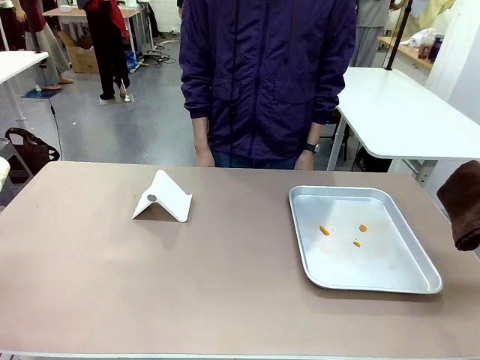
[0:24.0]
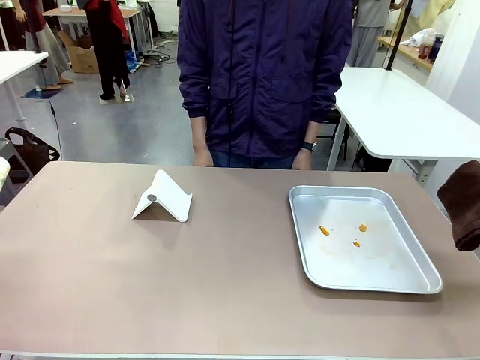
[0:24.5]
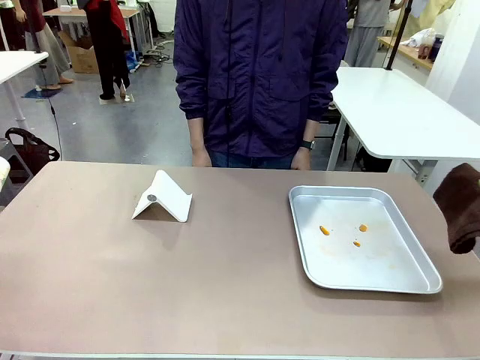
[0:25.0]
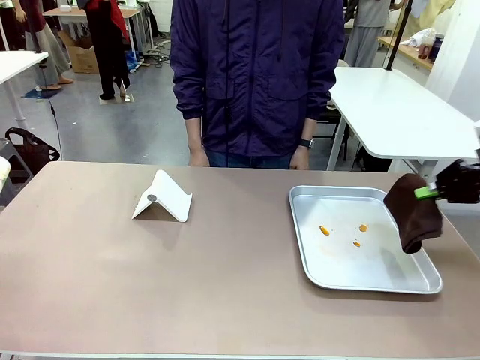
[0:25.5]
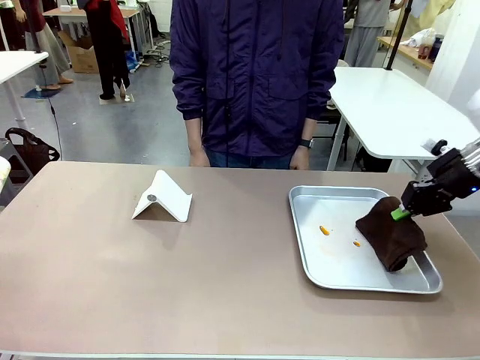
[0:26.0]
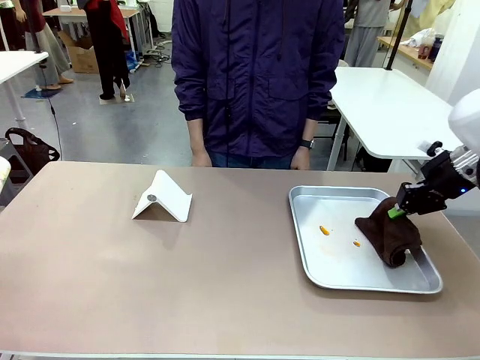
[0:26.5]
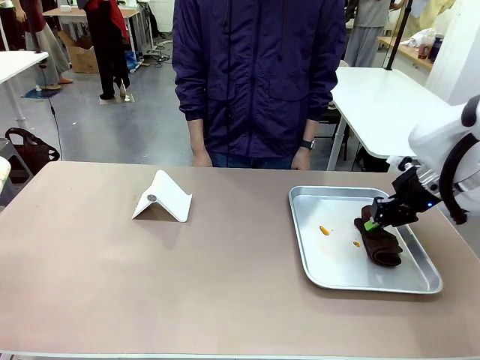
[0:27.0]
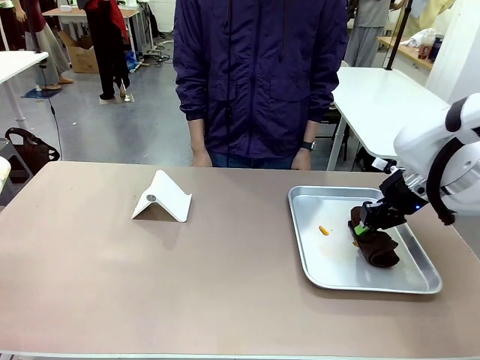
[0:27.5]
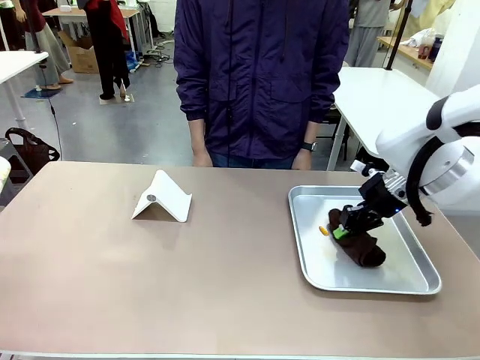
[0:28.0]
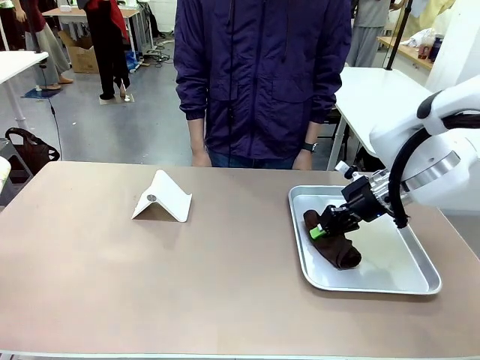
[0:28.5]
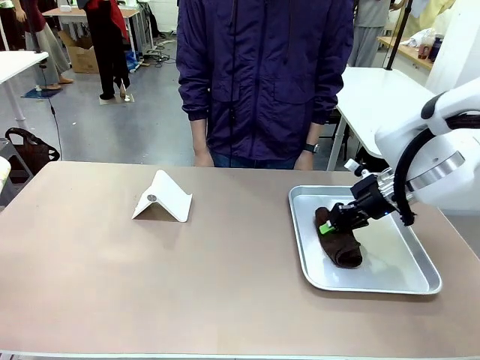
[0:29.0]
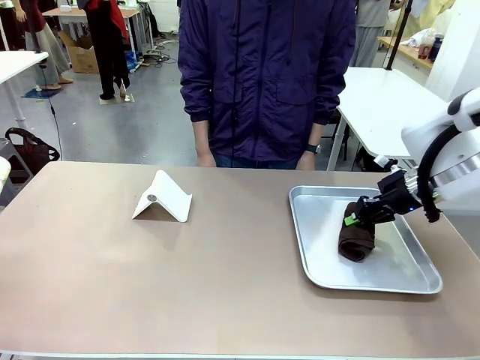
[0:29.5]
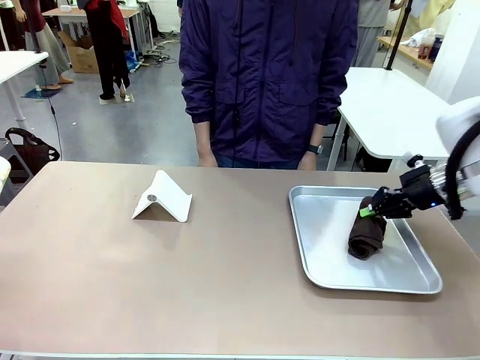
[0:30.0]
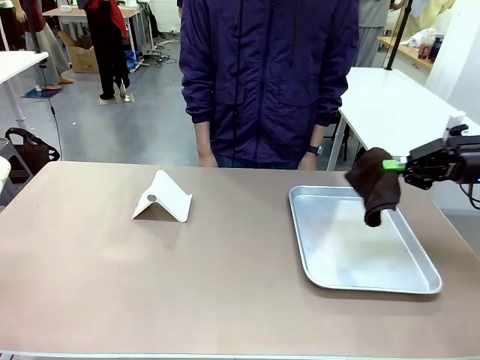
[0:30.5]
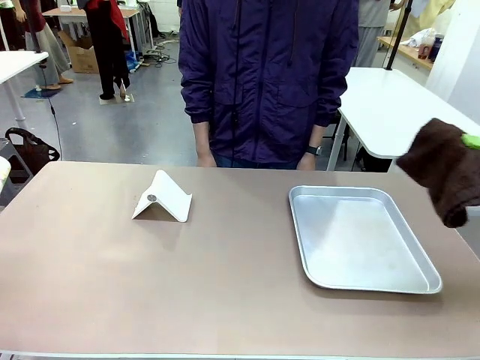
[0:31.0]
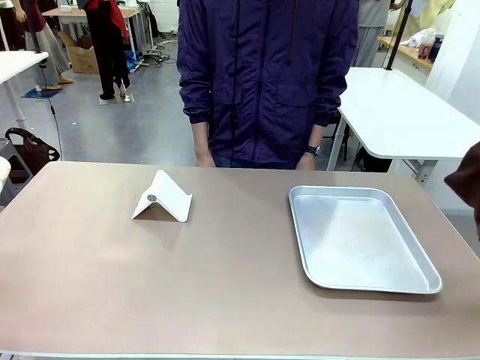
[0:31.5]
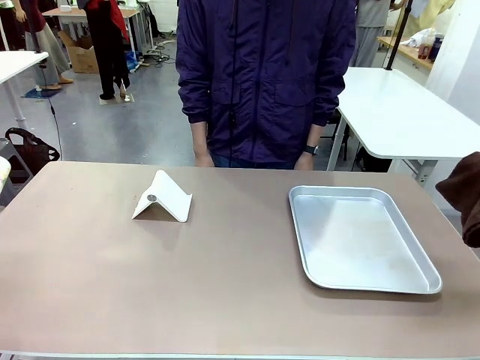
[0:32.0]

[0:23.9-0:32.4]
Task: Clean the surface of the table.
Robot: Clean the area not pointed to by the person.

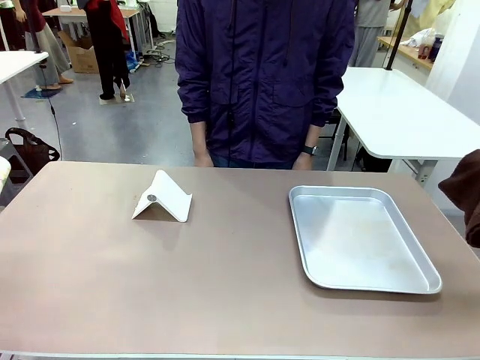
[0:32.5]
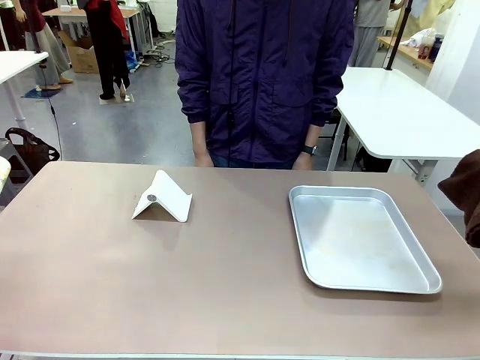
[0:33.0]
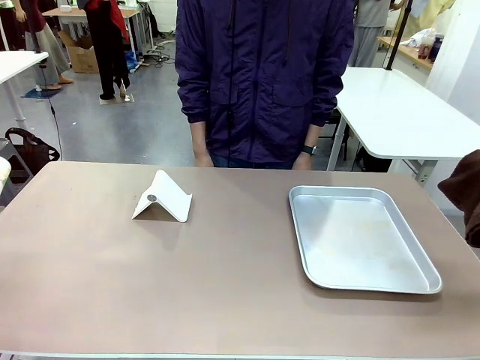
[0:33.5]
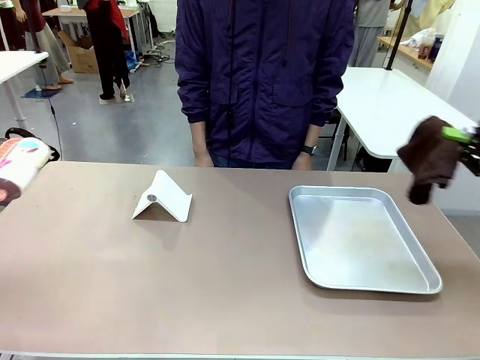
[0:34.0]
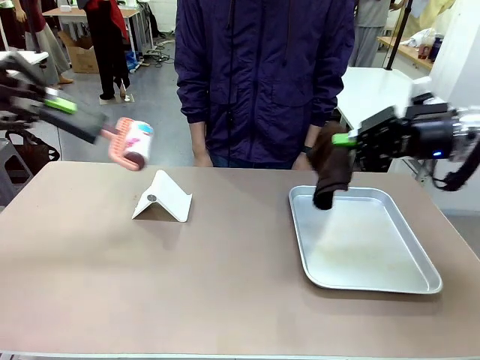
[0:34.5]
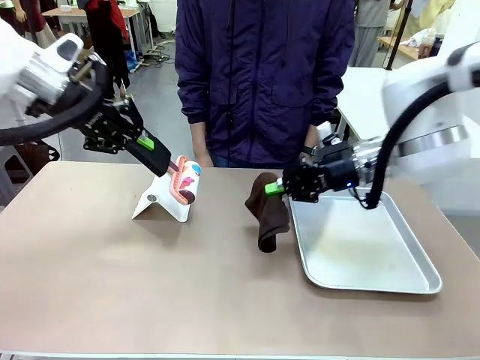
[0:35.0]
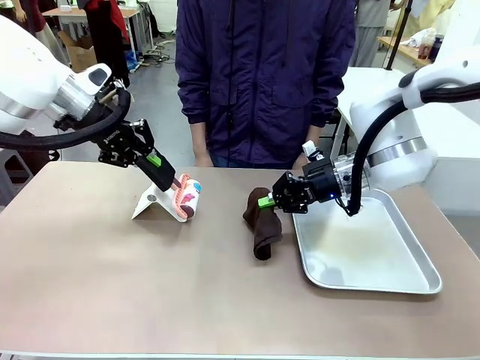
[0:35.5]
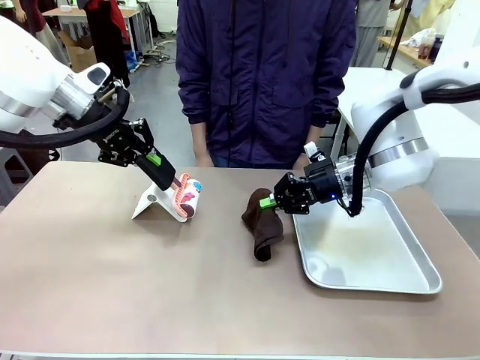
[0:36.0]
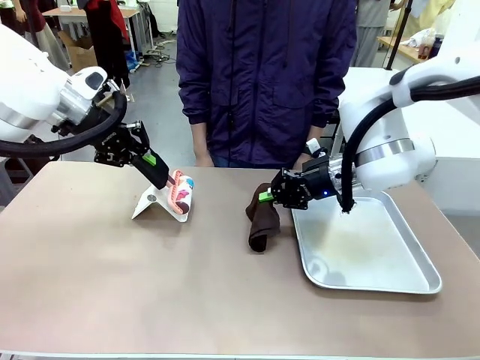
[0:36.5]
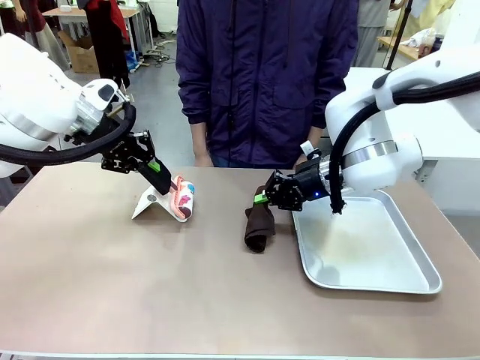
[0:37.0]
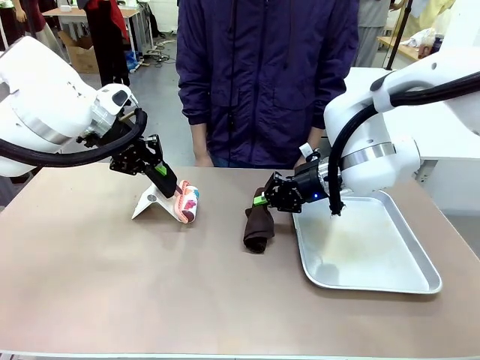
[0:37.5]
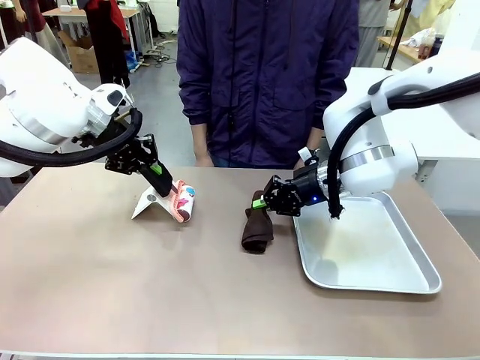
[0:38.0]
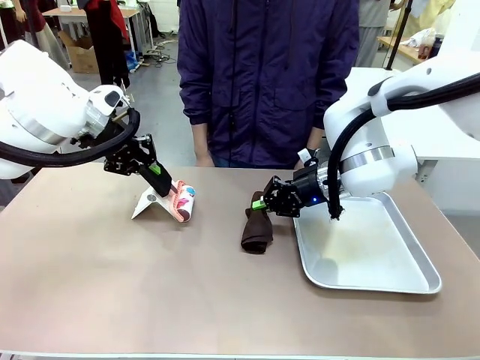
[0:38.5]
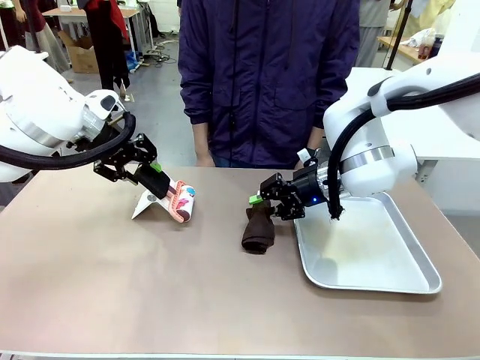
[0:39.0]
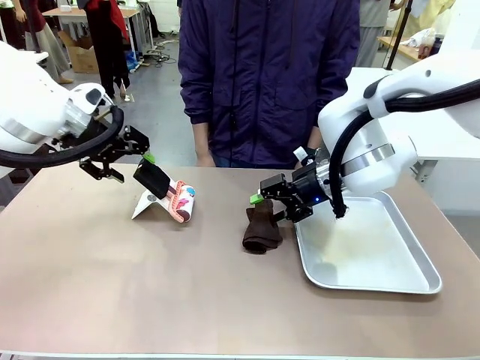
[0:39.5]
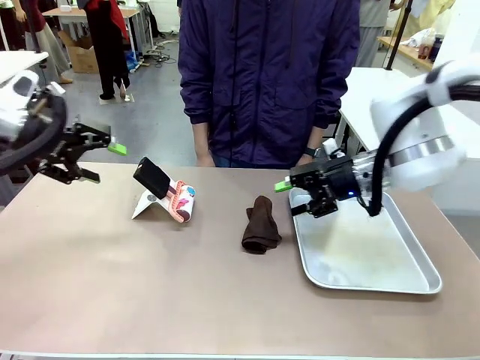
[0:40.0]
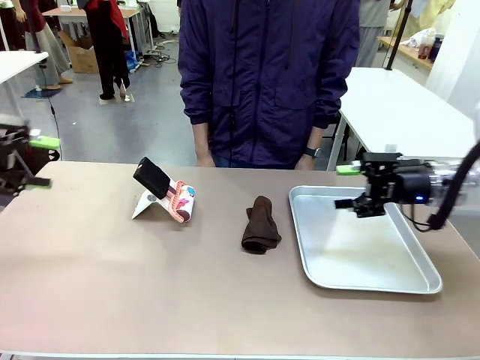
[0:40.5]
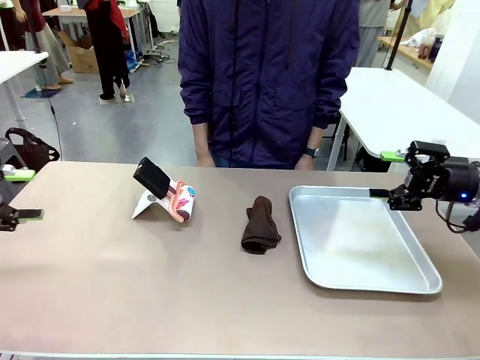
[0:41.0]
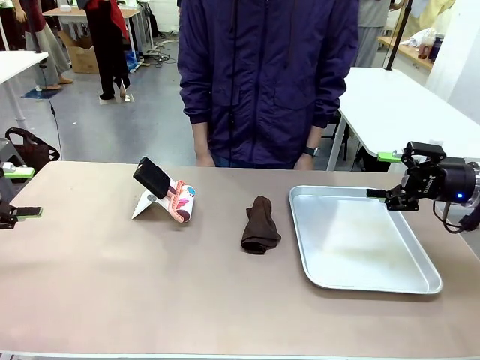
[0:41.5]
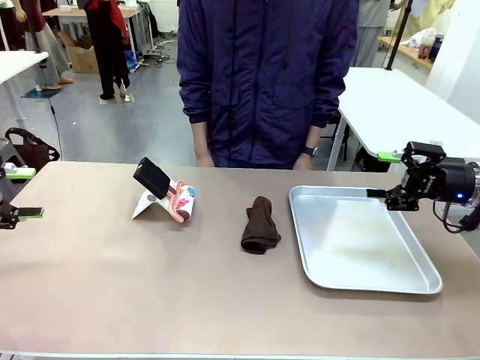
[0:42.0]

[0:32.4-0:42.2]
Robot: Return the Lint Roller and towel to their original positions.

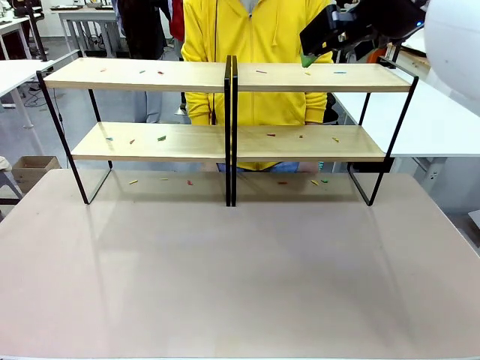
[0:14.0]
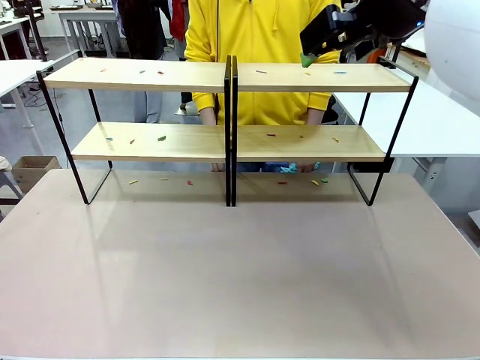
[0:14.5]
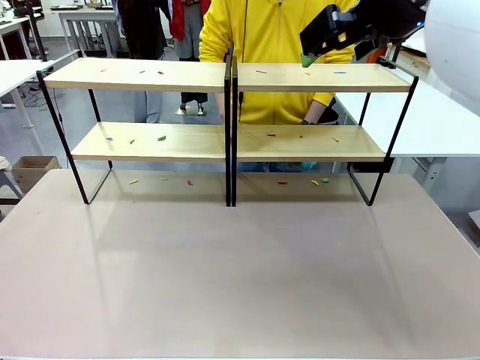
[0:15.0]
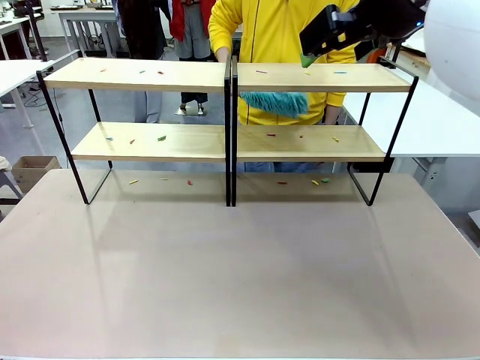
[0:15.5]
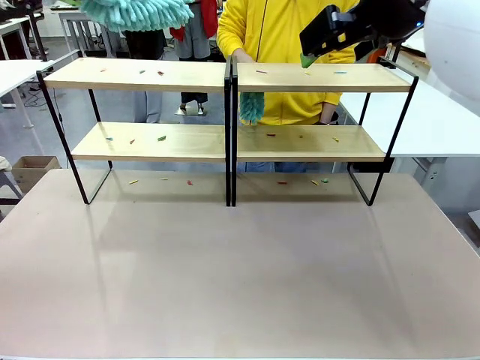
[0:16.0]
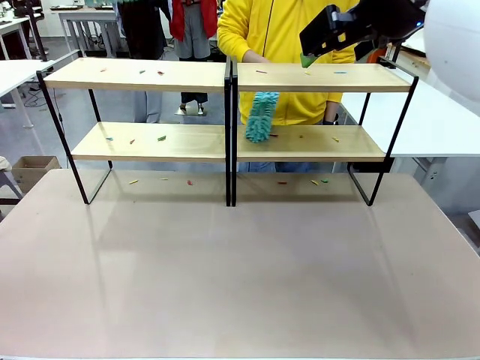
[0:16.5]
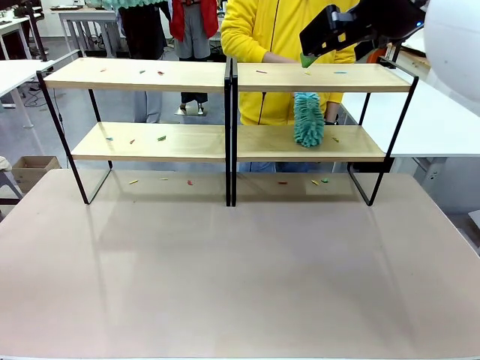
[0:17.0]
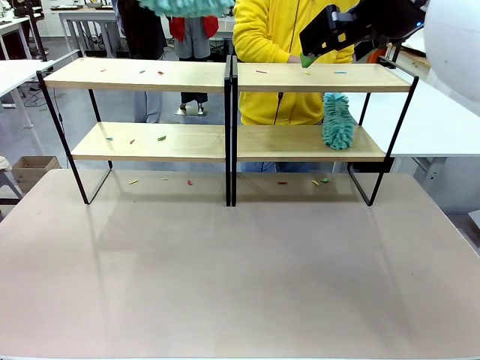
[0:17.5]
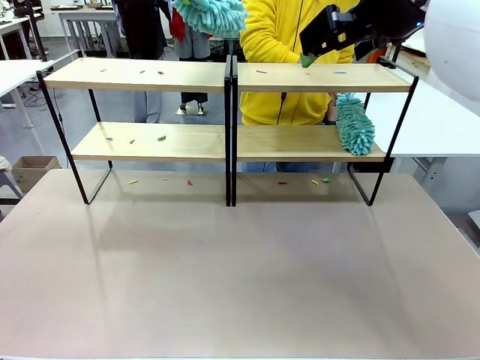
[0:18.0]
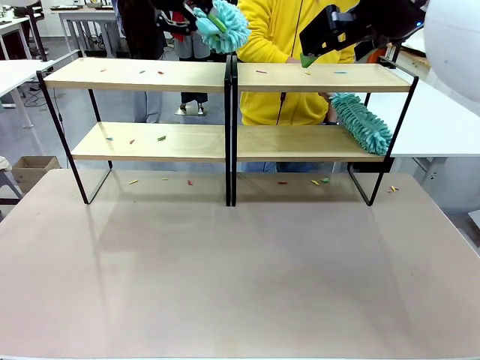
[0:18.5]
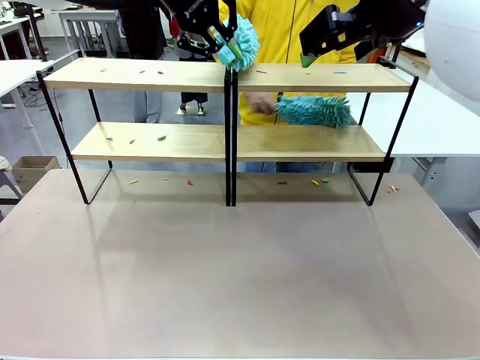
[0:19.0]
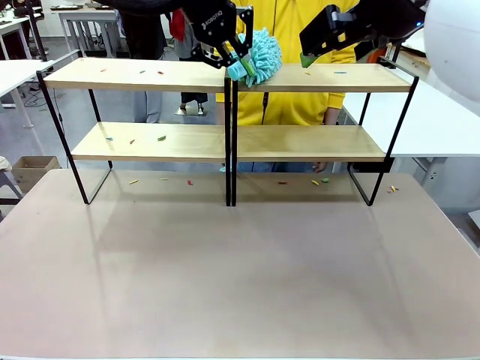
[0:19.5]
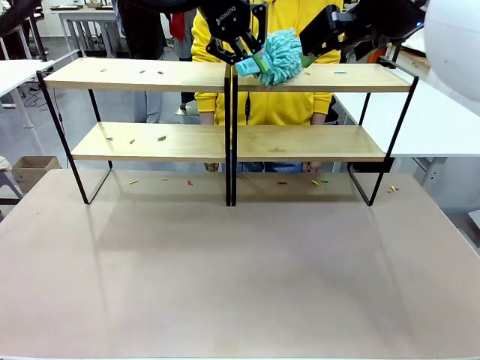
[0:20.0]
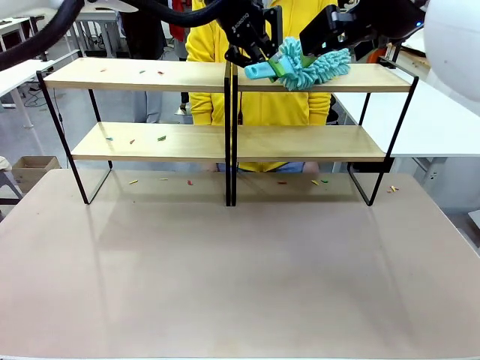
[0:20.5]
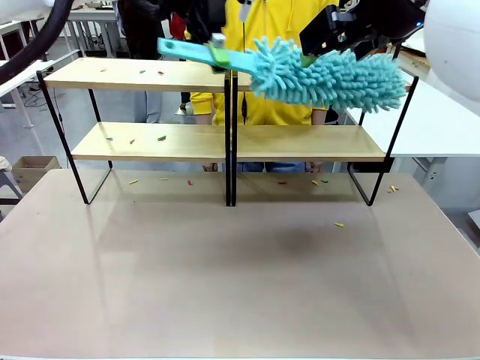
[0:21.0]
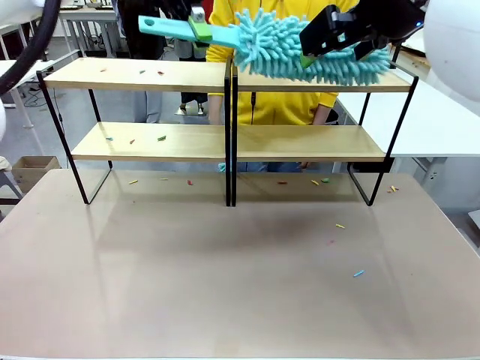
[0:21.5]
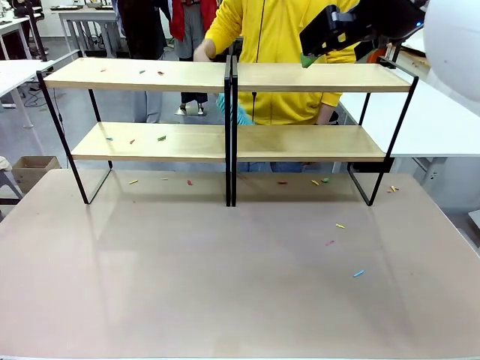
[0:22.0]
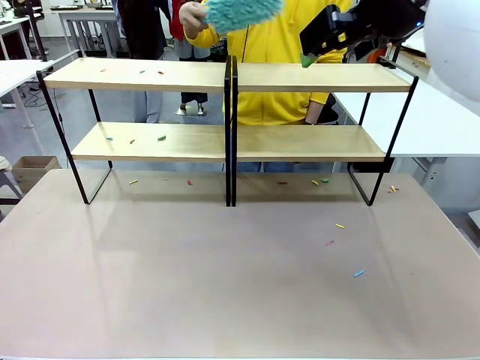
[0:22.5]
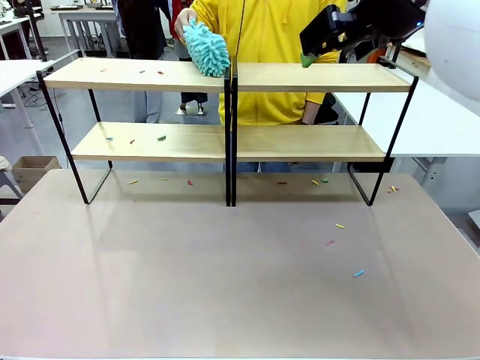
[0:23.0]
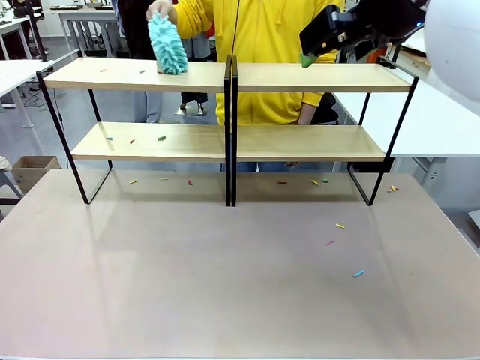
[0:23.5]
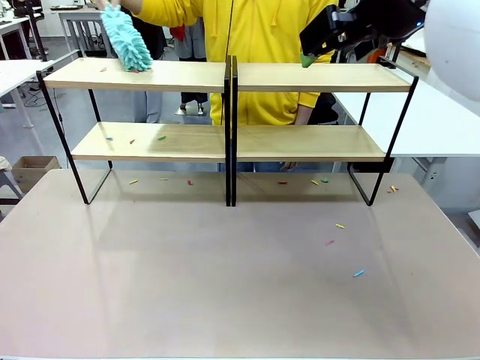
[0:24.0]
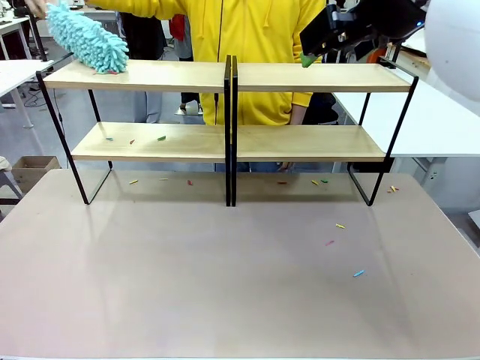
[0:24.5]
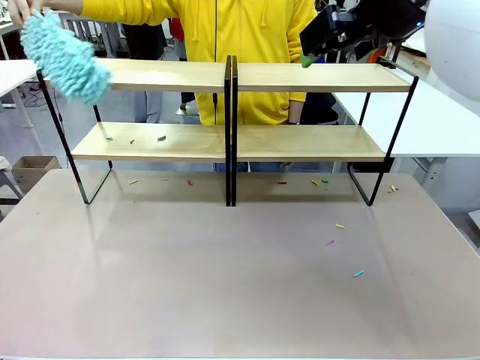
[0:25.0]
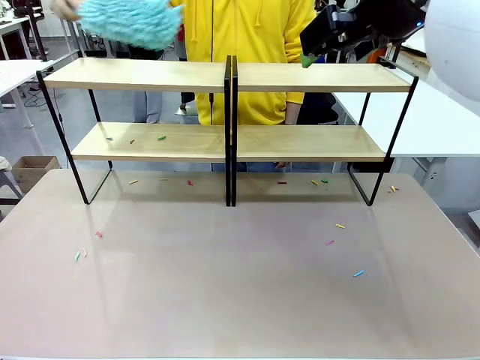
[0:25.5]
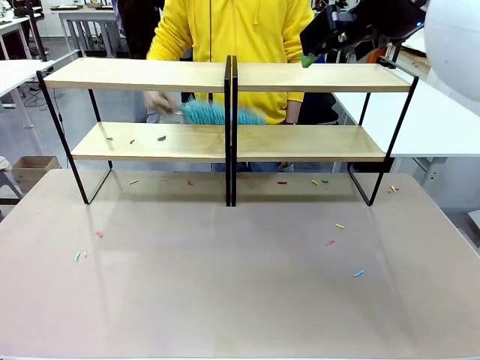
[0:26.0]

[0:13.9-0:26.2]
Task: Clean the shelves.
Robot: Clean a randomly selected level of the Shelf with the Duster.
